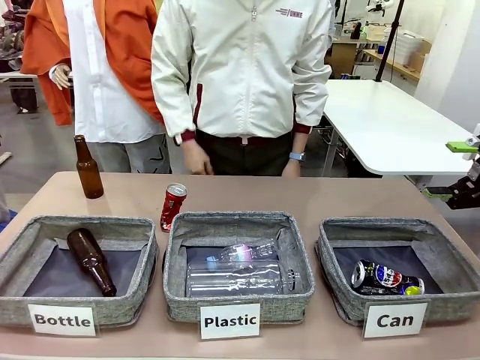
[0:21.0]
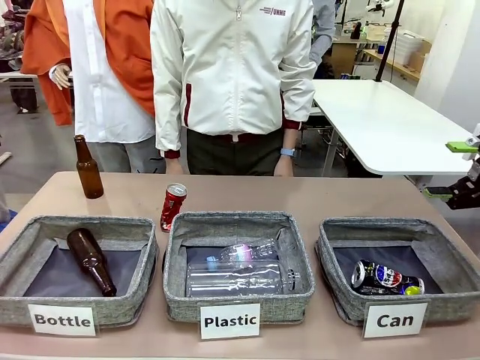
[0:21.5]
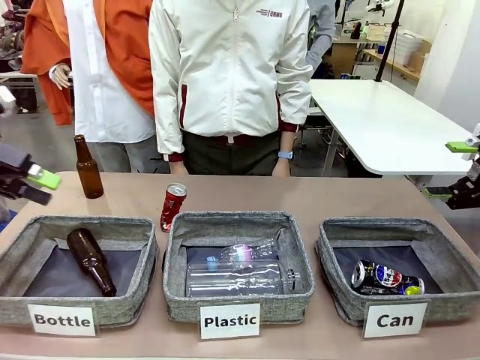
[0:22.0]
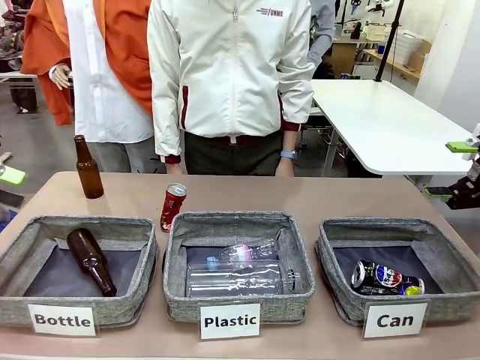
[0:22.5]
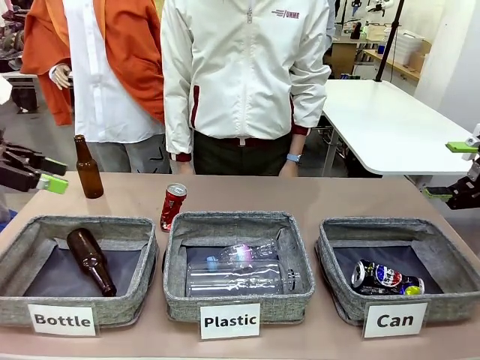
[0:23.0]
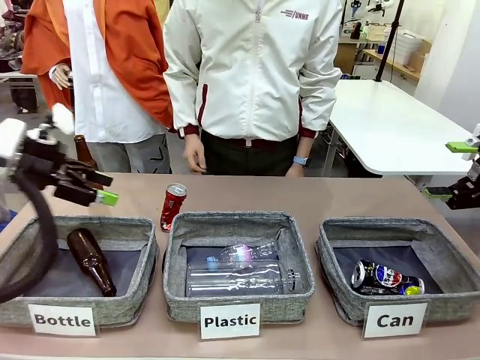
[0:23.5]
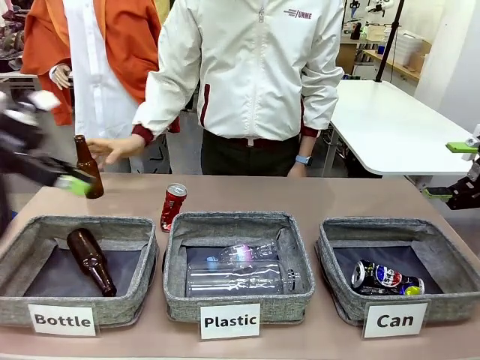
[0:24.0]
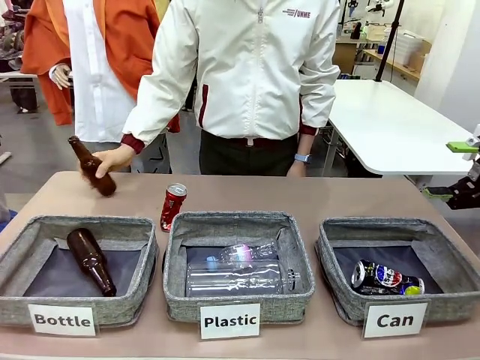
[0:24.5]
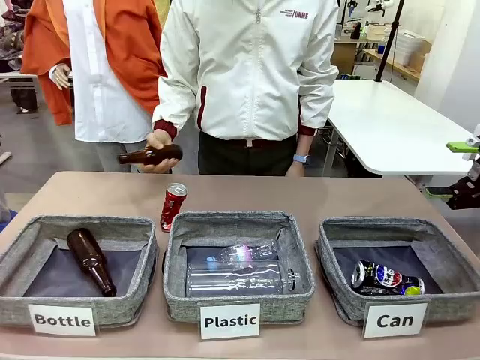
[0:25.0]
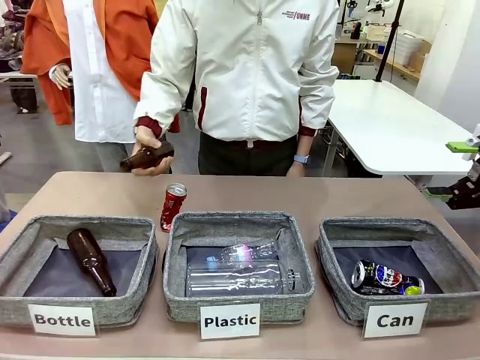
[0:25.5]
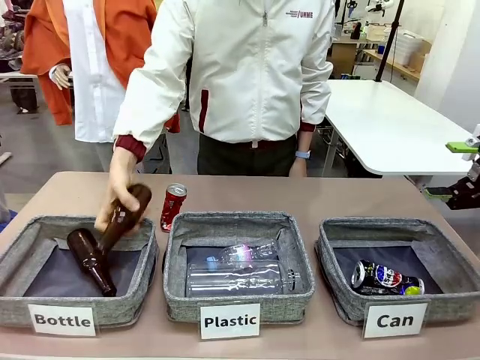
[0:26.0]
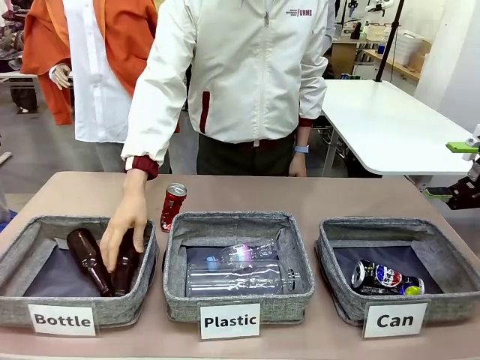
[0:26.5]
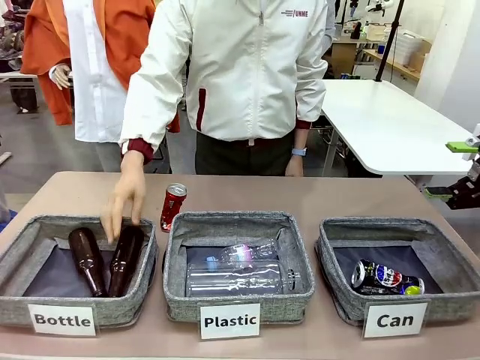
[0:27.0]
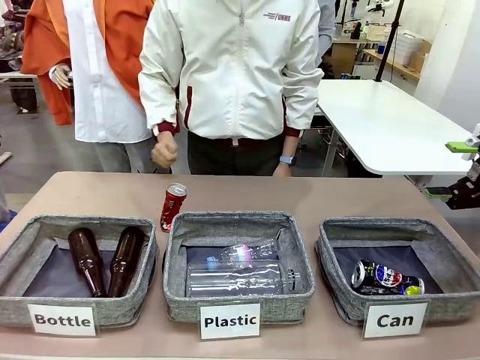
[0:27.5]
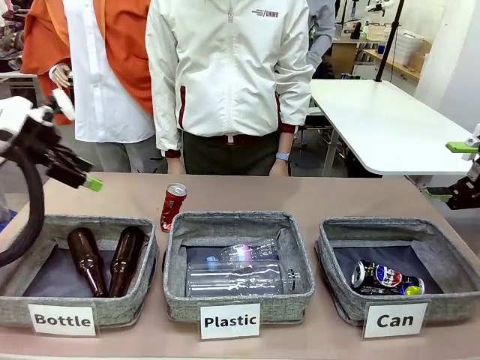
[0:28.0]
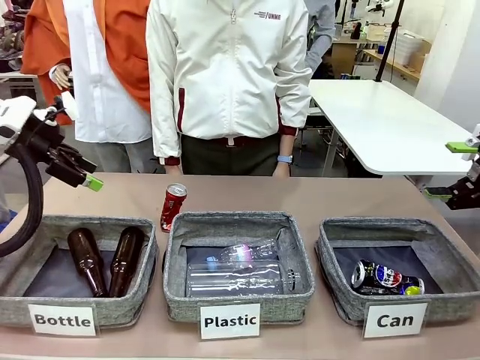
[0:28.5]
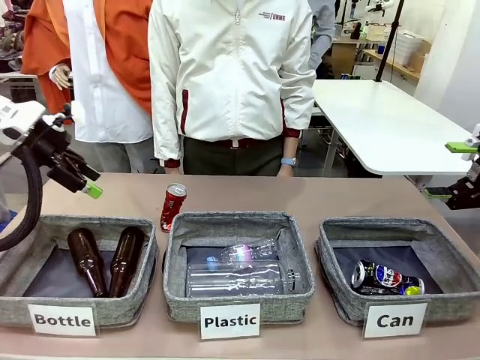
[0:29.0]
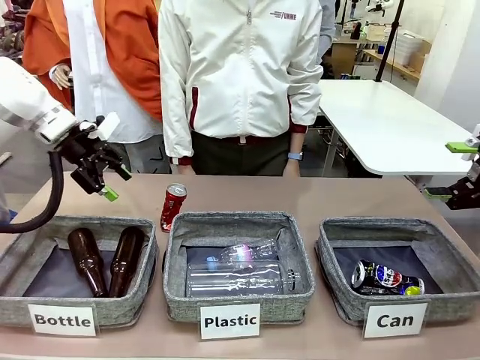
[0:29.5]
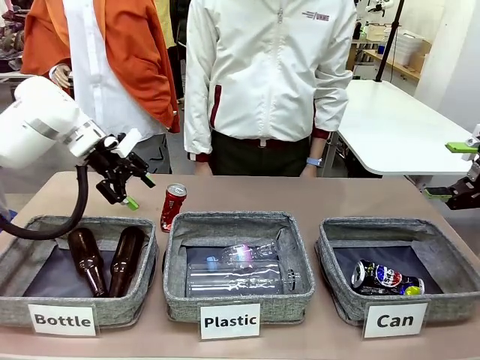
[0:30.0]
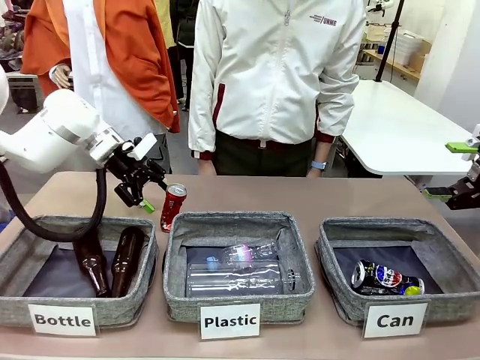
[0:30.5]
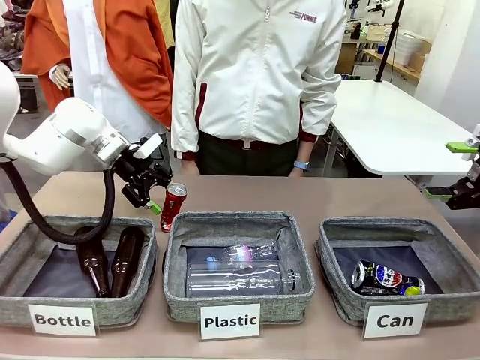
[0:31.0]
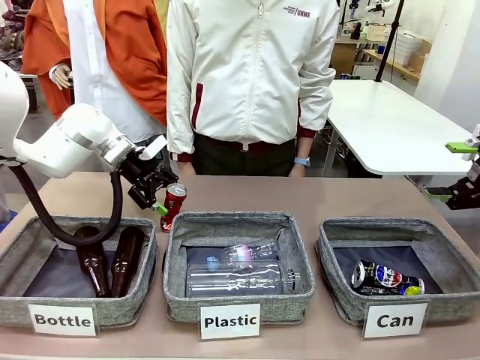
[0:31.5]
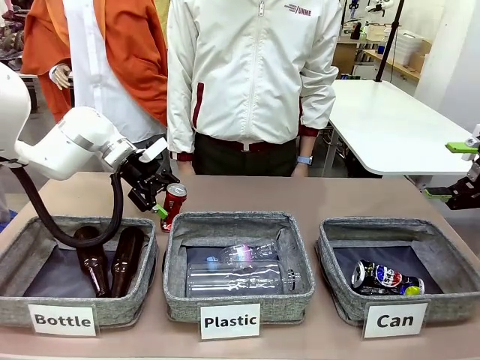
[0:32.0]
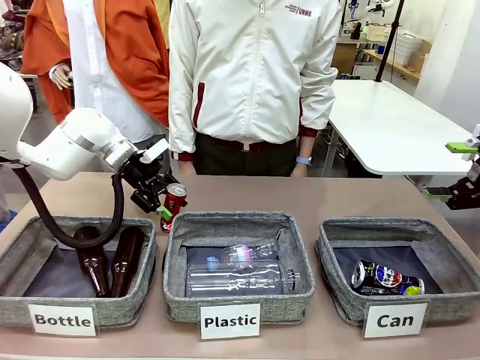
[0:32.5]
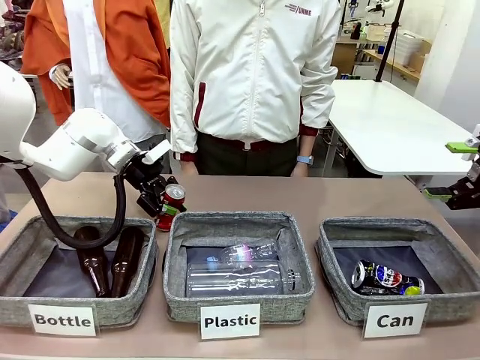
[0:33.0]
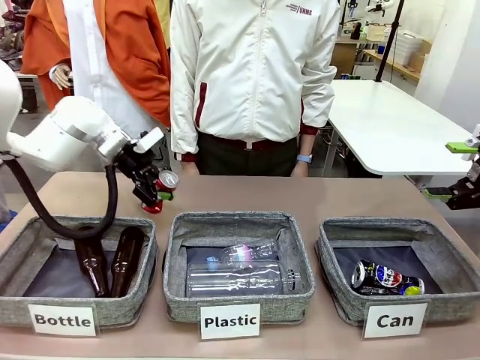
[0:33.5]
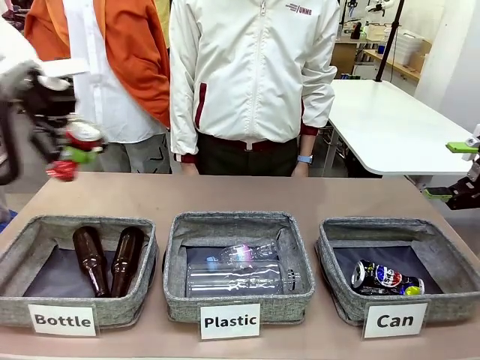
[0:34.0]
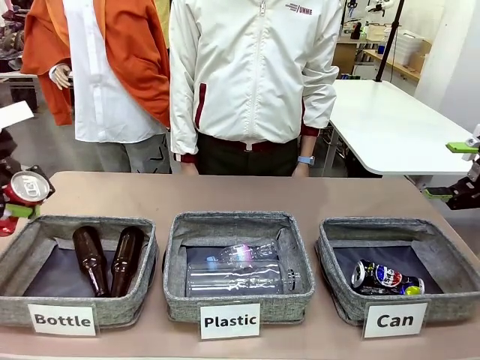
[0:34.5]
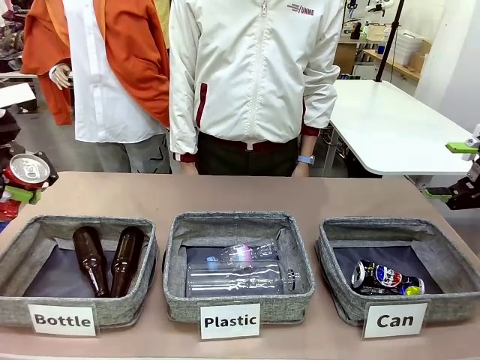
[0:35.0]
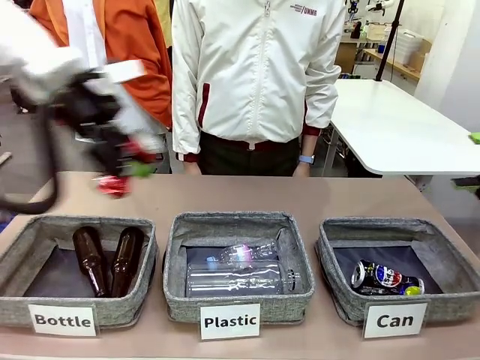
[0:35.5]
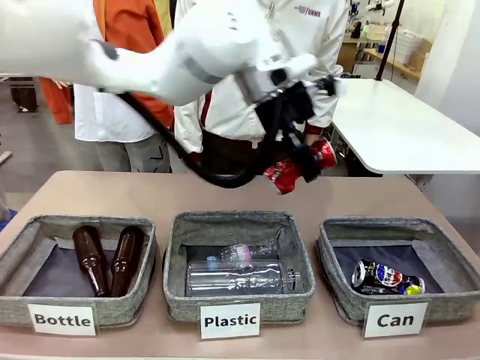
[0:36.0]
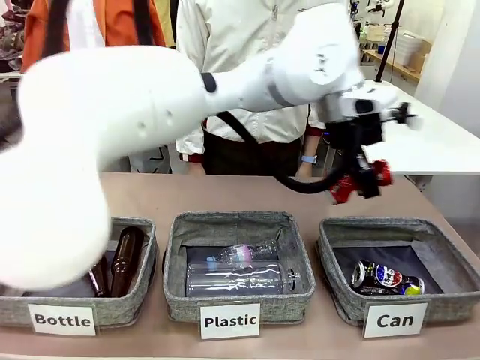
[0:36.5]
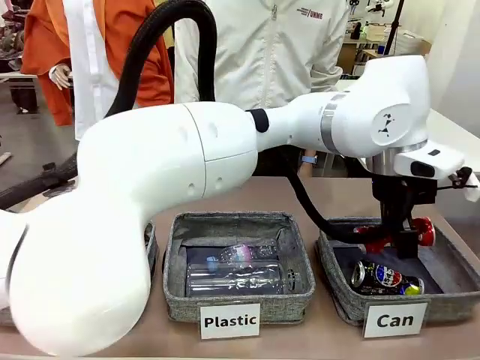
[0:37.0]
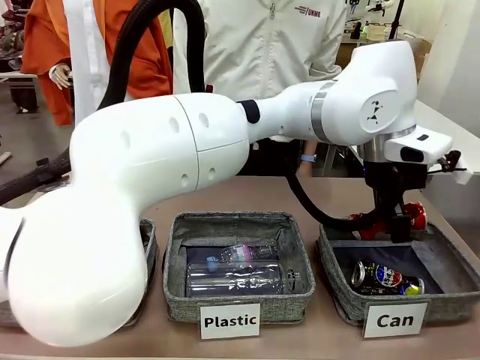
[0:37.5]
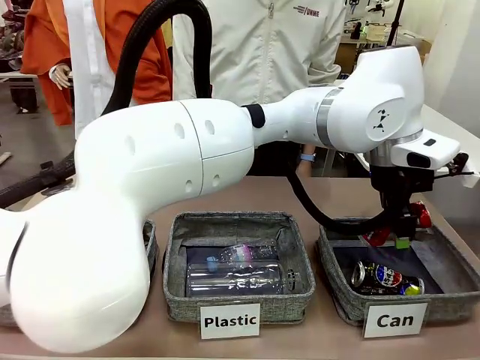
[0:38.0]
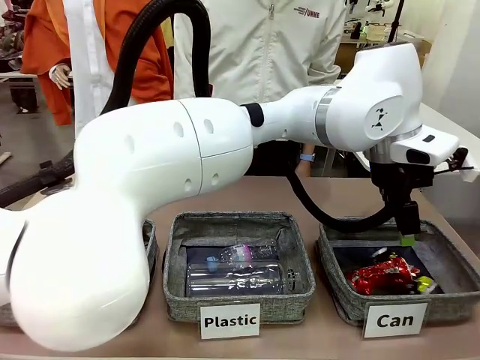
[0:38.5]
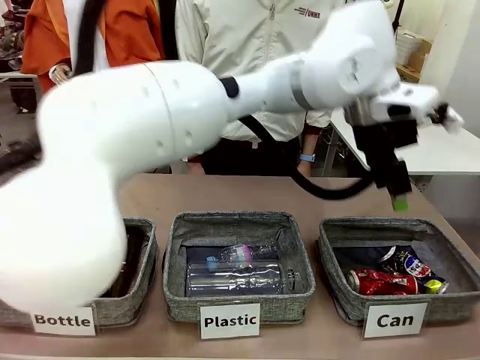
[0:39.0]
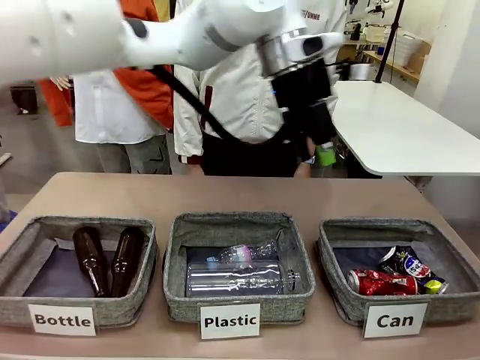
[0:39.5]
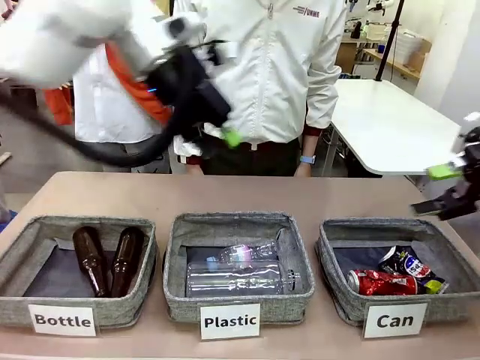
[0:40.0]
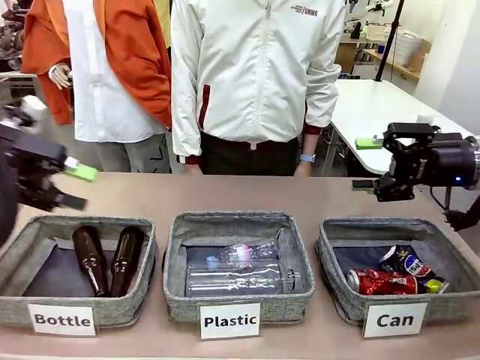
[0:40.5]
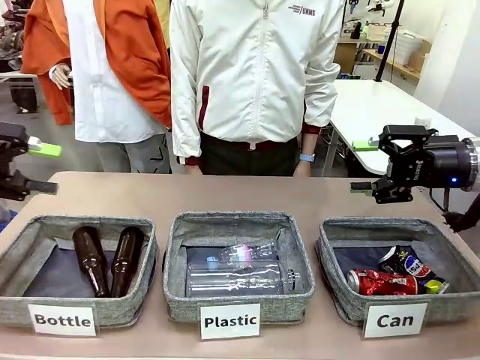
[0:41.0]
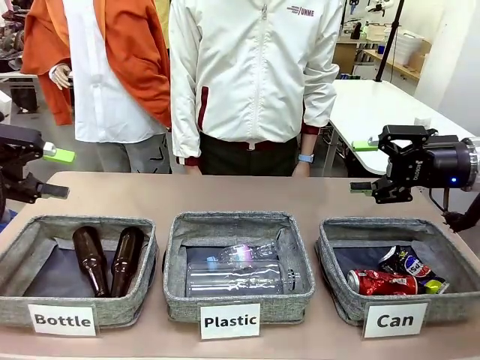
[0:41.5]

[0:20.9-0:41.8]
Task: Sort the can waste into the basket.
Robot: Pick up the can waste from the table and place it in the right Fabric basket.
